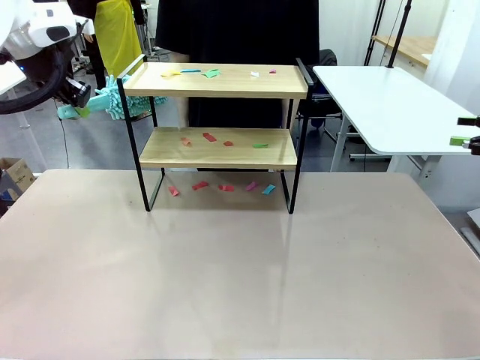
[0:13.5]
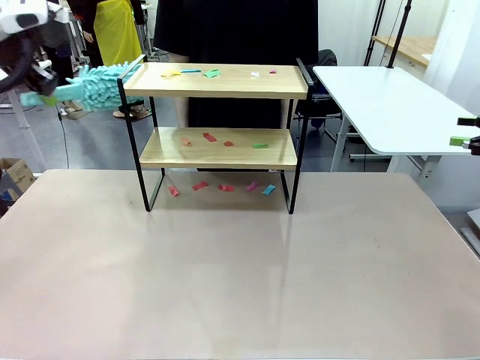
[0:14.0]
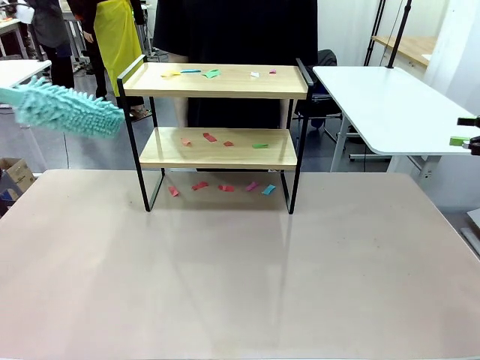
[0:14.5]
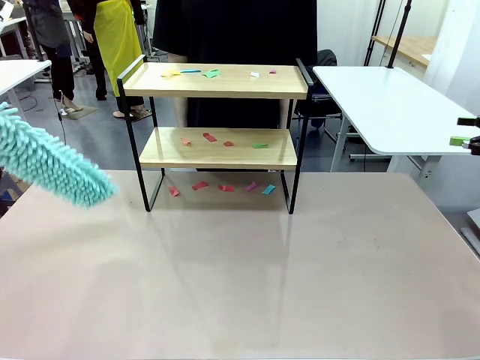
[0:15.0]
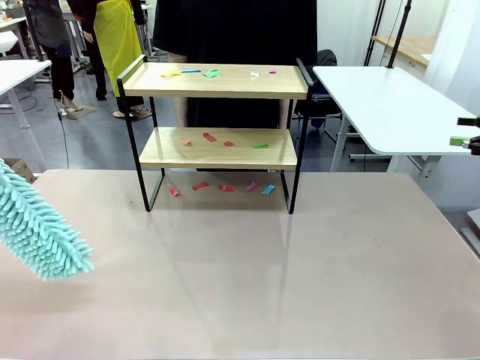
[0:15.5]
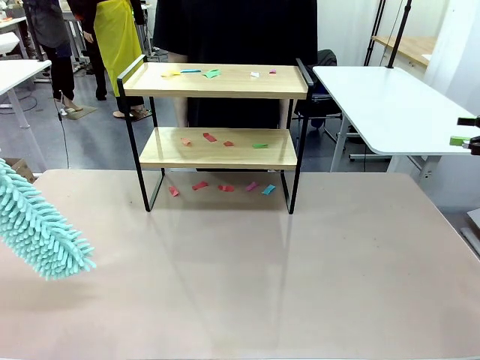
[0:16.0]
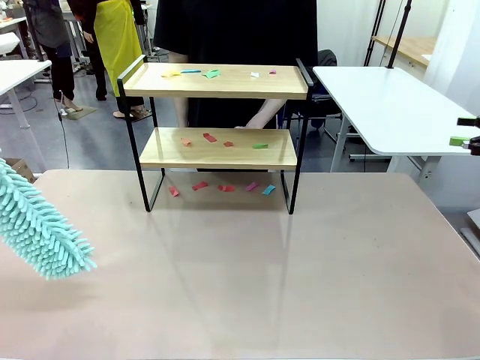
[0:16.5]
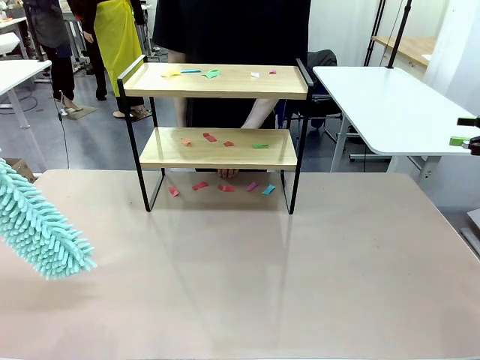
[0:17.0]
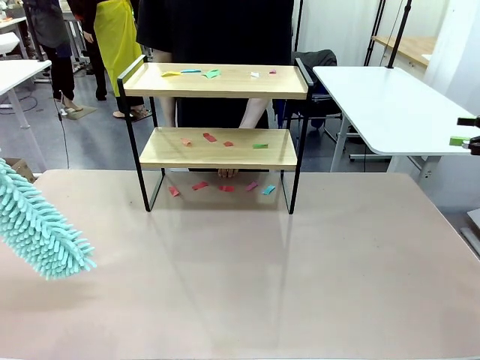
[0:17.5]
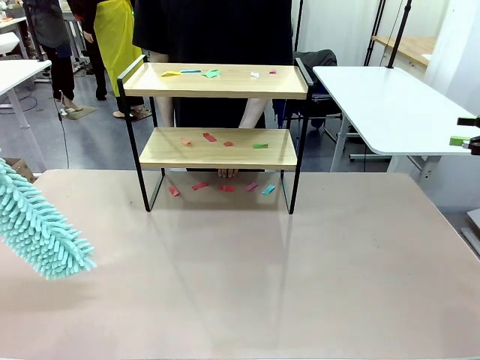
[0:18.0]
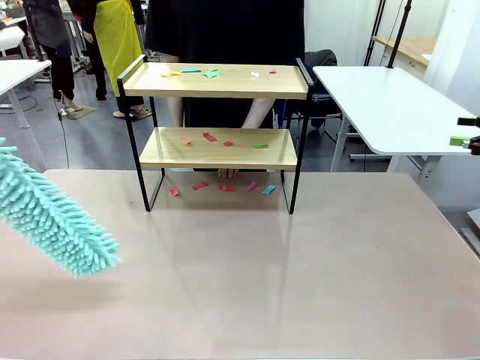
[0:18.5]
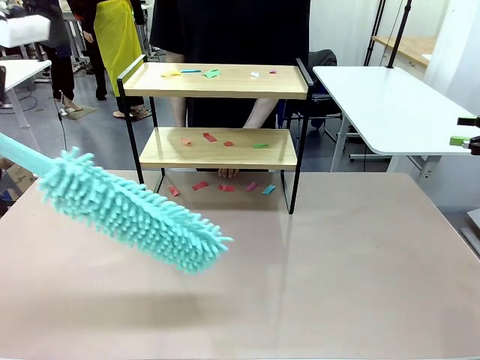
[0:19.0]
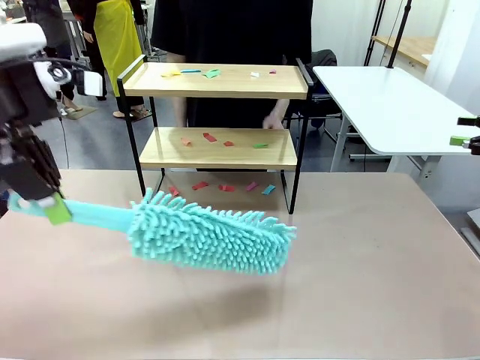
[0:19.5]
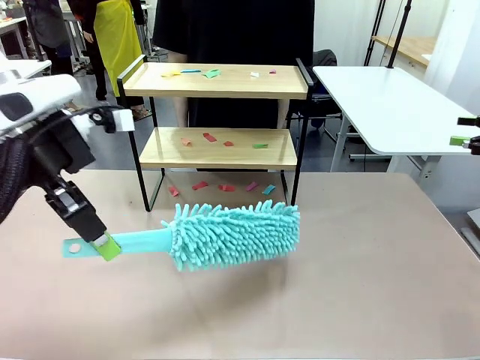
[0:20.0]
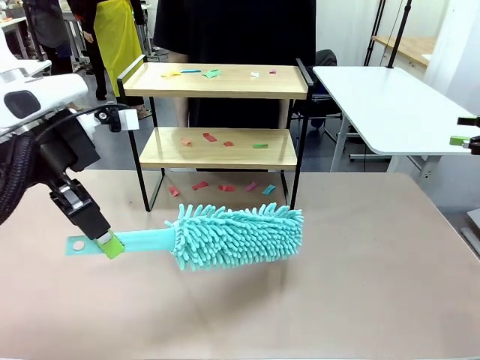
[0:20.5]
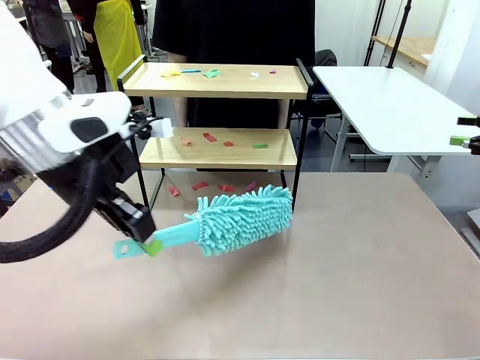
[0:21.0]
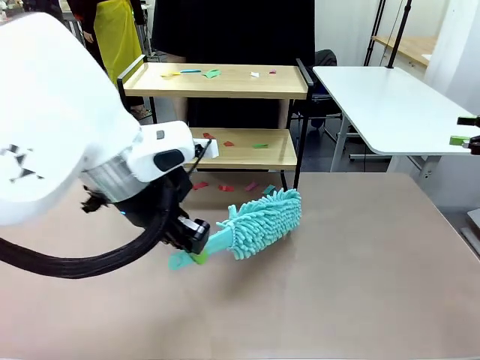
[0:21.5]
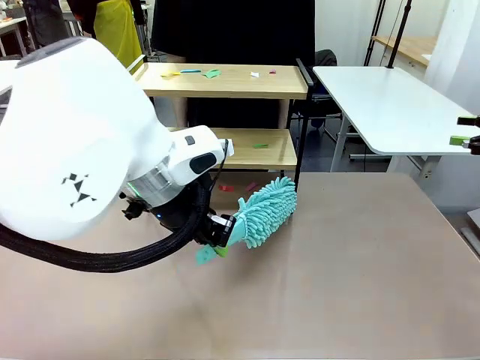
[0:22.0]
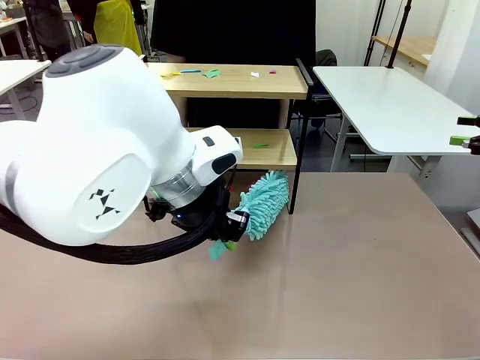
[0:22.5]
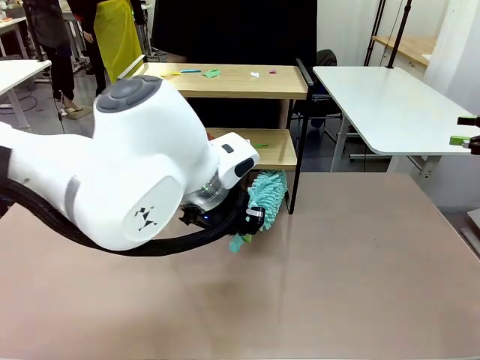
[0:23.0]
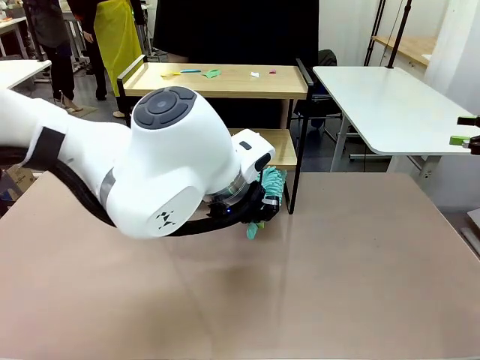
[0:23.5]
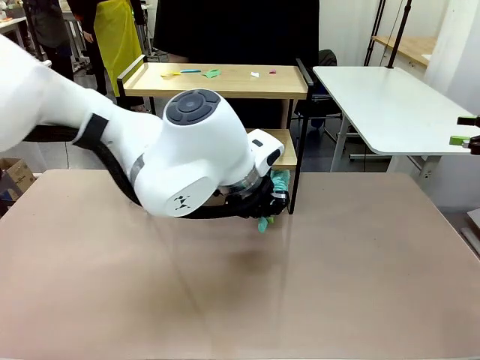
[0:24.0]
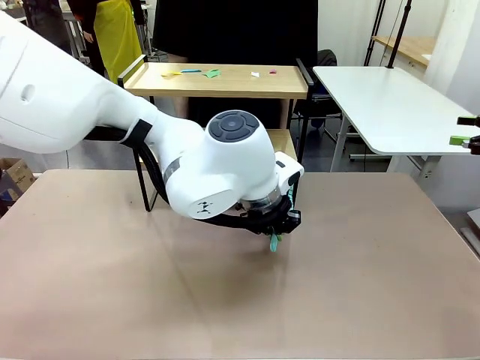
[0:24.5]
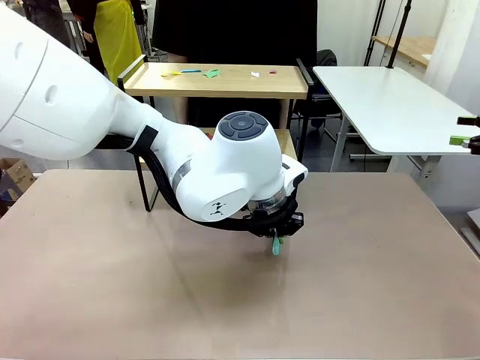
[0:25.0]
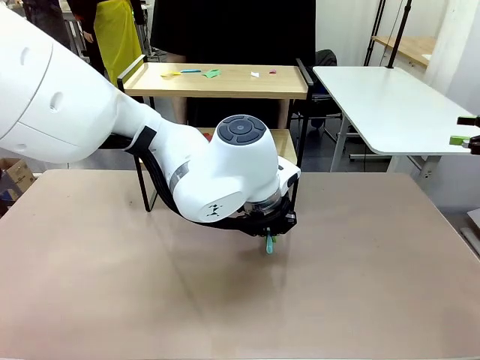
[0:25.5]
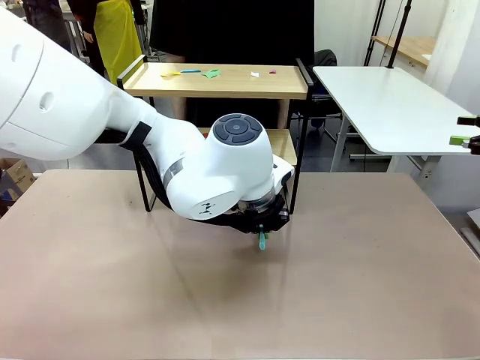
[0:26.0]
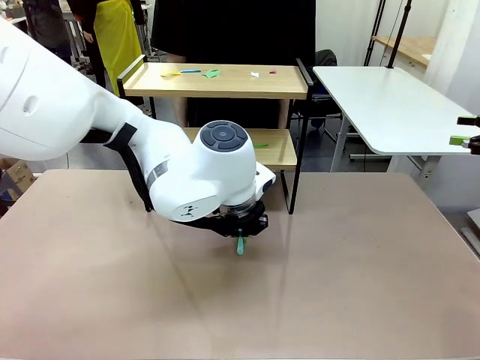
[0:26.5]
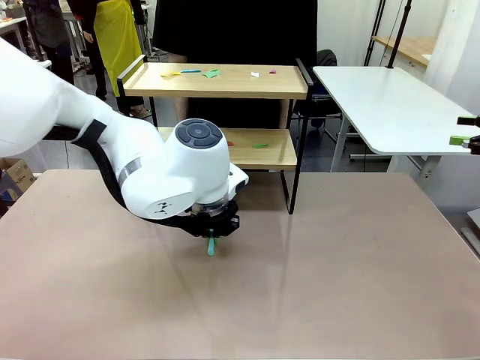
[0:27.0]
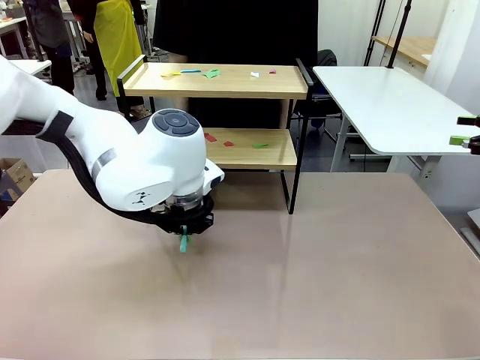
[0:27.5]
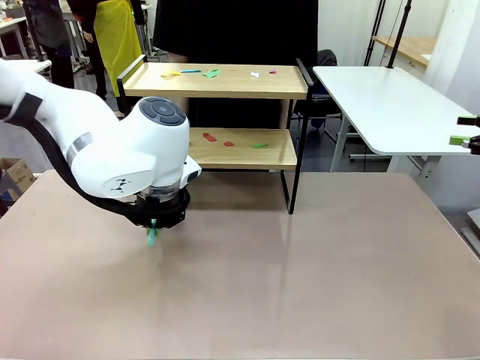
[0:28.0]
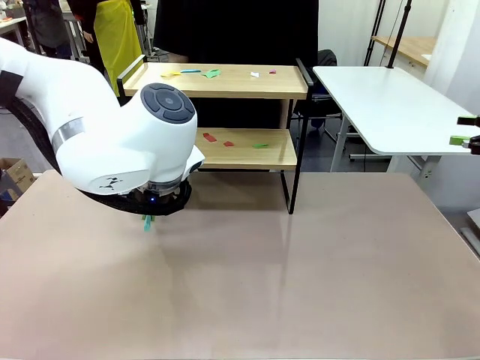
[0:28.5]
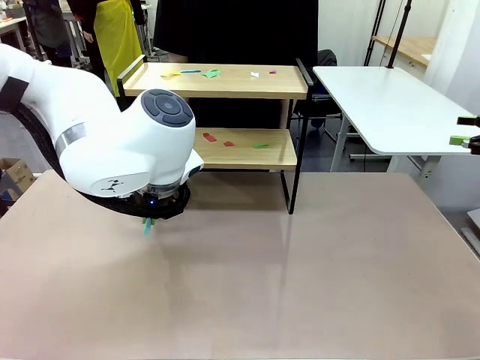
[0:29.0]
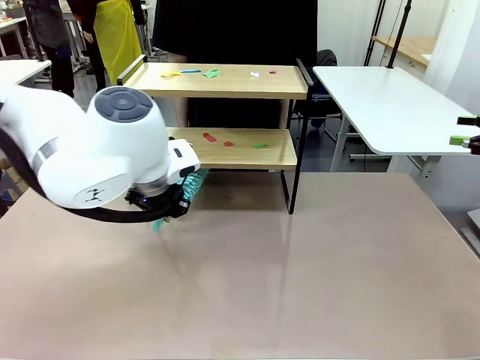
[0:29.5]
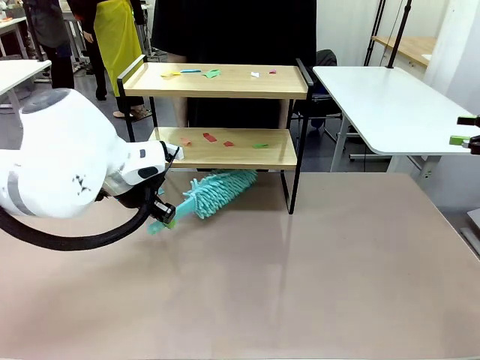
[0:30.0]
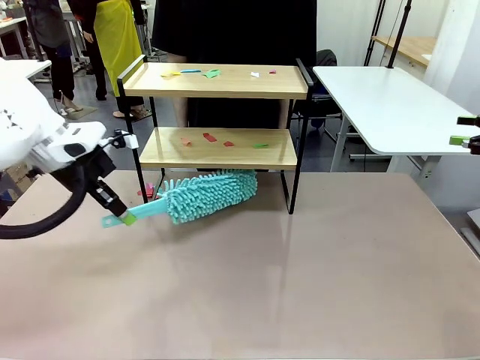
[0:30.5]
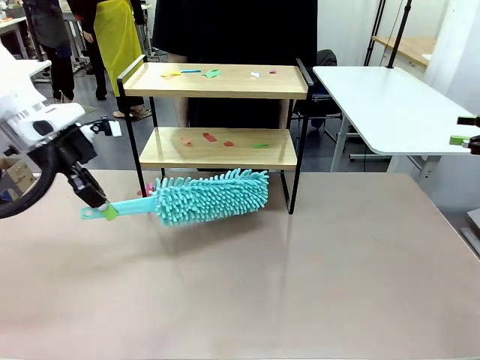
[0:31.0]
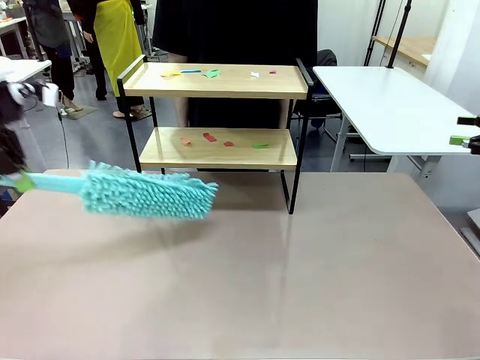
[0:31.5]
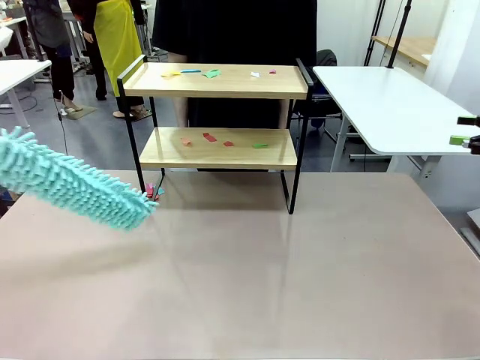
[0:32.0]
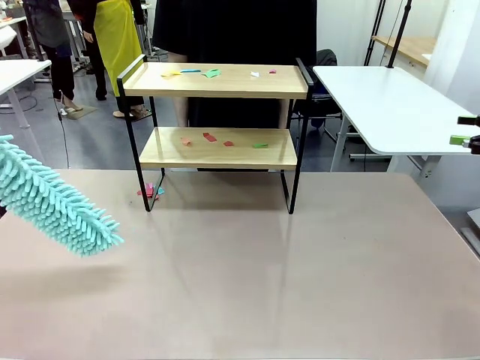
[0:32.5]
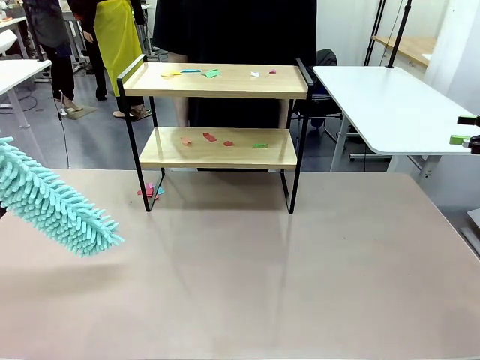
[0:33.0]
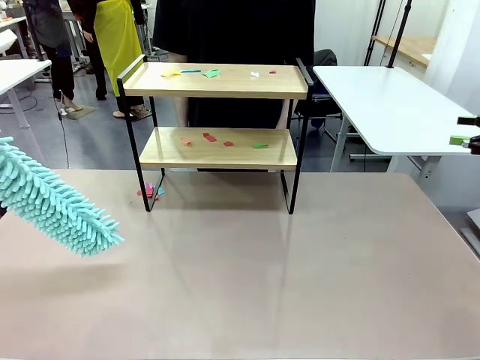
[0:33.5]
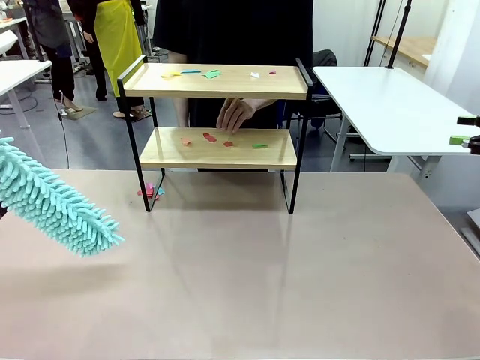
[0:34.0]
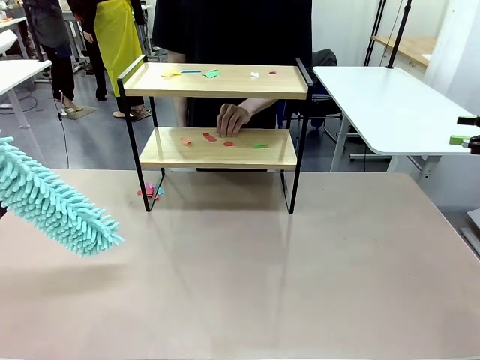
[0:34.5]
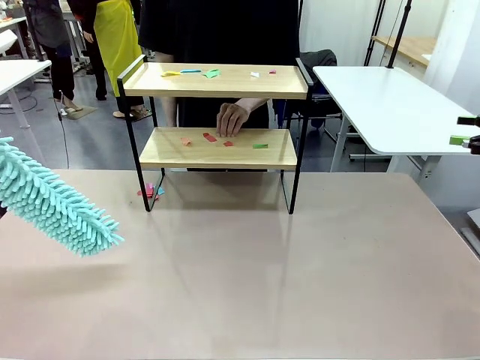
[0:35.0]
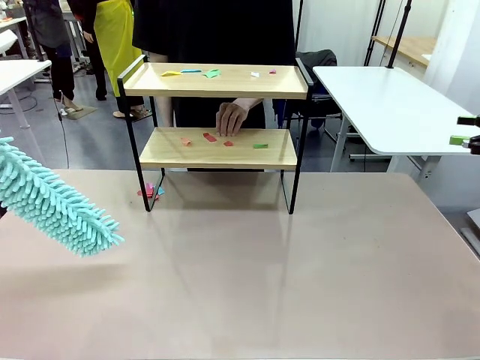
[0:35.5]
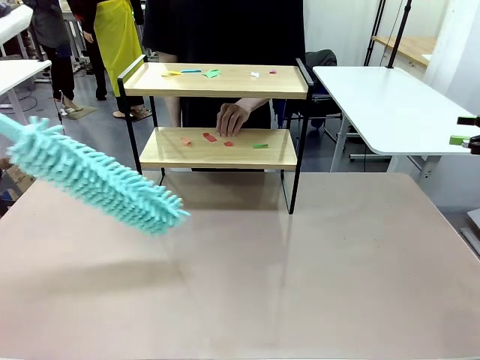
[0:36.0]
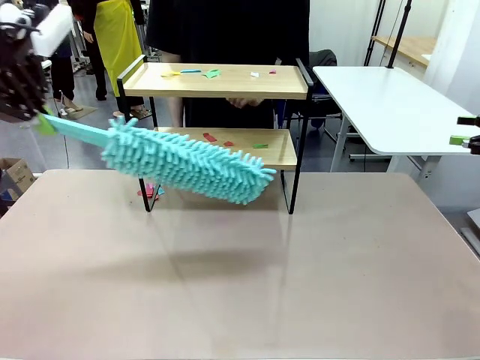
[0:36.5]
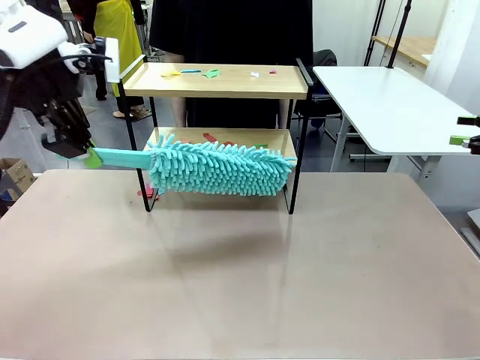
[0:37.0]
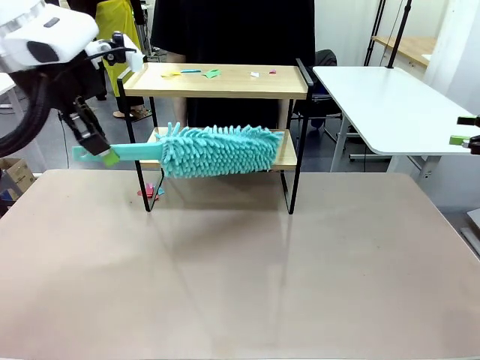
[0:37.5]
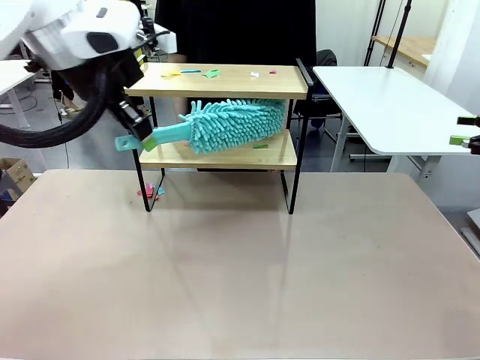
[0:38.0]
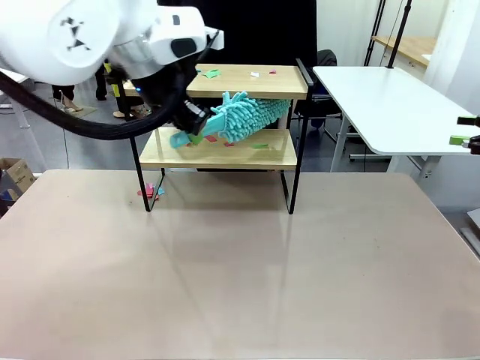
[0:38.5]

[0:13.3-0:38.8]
Task: Clean the shelf.
Robot: Clean the specific section of the Shelf indicated by the human with the Duster.
Person: Point a random section of the Shelf.
